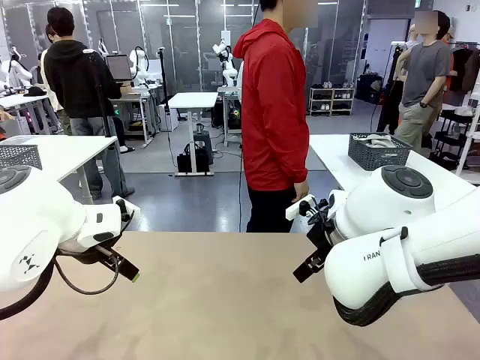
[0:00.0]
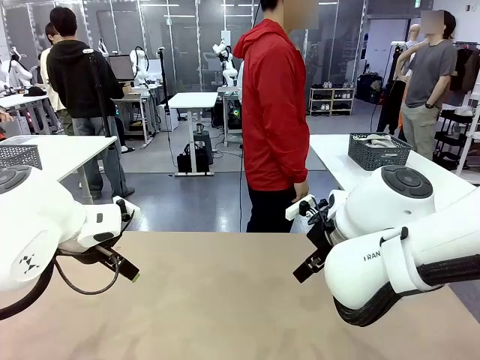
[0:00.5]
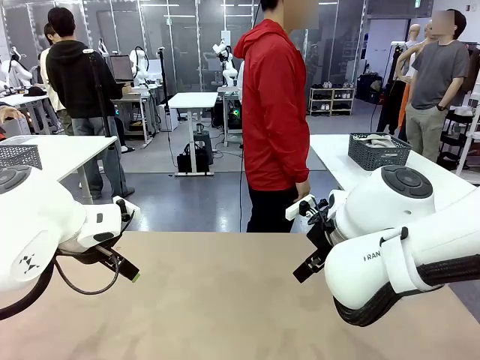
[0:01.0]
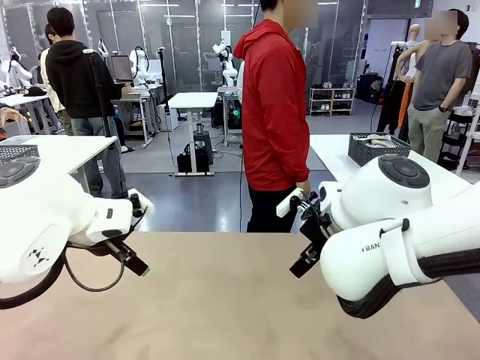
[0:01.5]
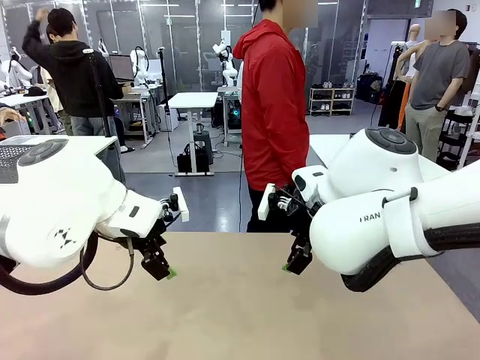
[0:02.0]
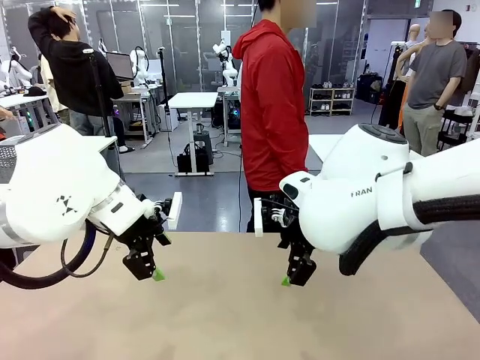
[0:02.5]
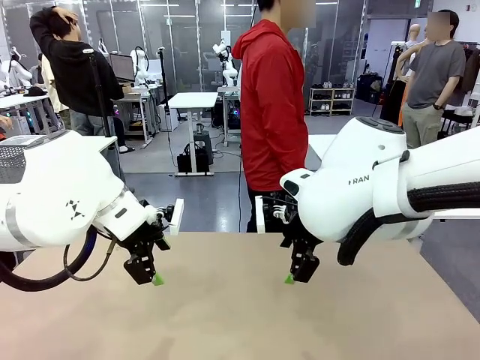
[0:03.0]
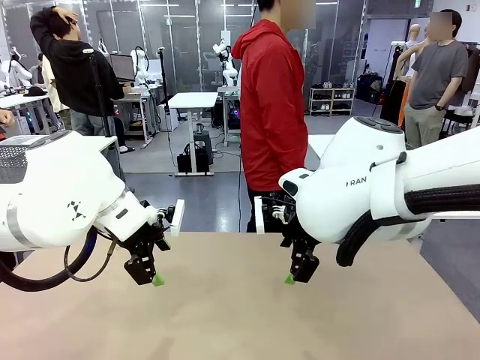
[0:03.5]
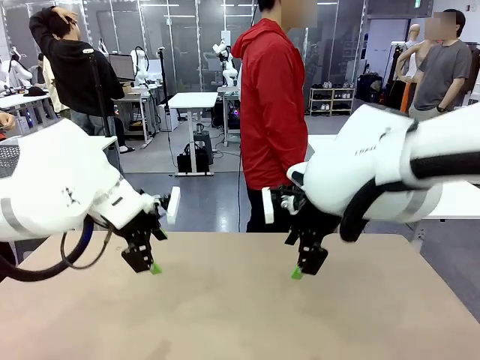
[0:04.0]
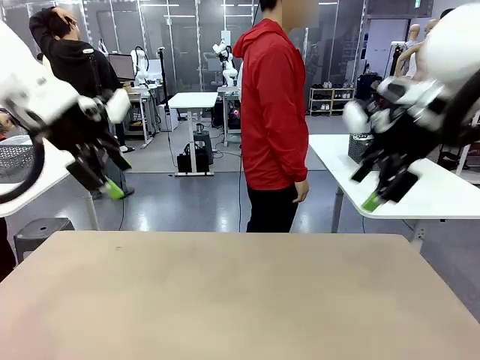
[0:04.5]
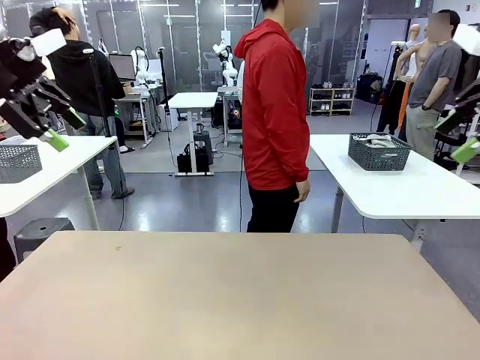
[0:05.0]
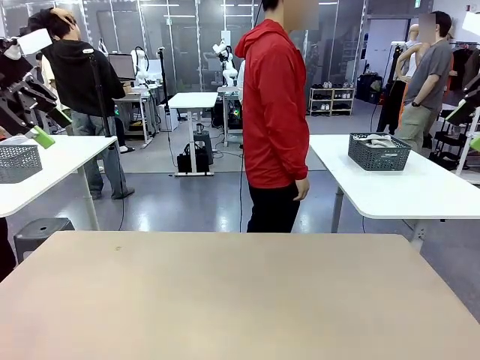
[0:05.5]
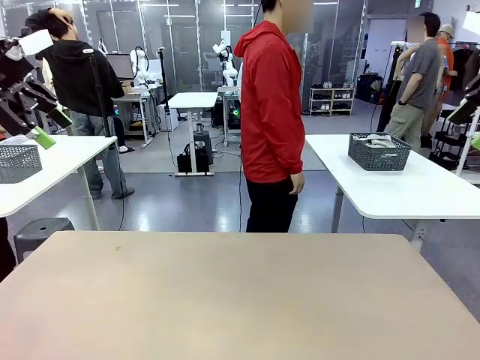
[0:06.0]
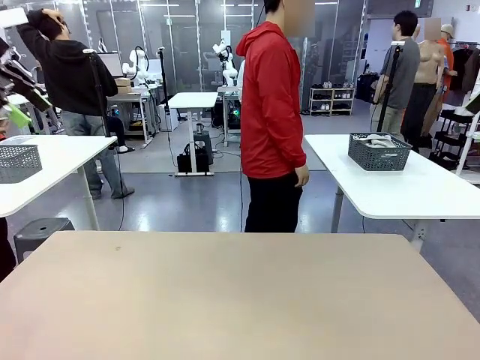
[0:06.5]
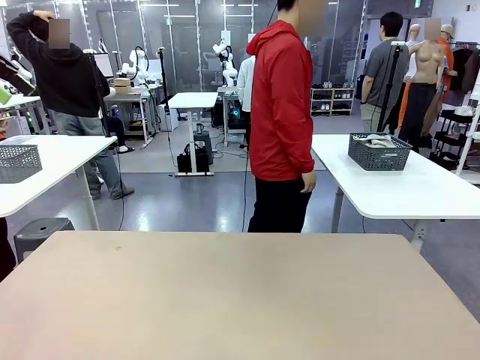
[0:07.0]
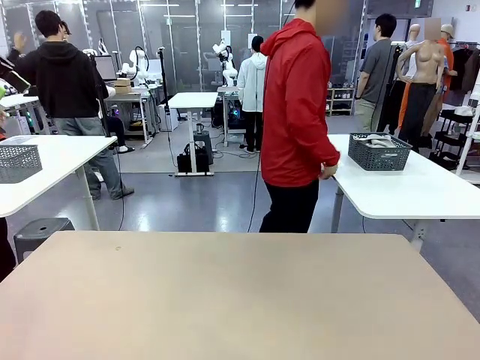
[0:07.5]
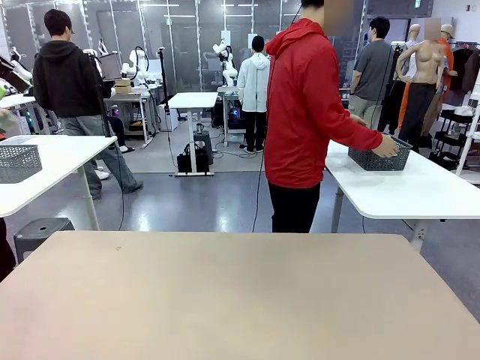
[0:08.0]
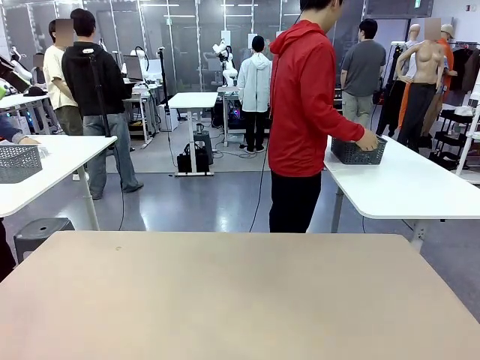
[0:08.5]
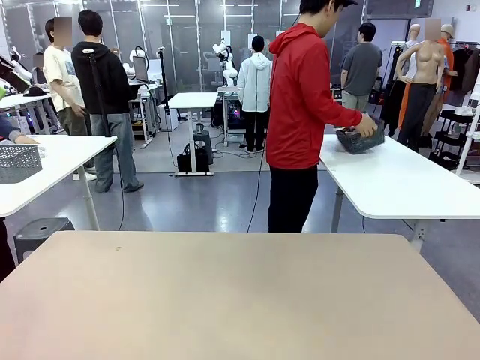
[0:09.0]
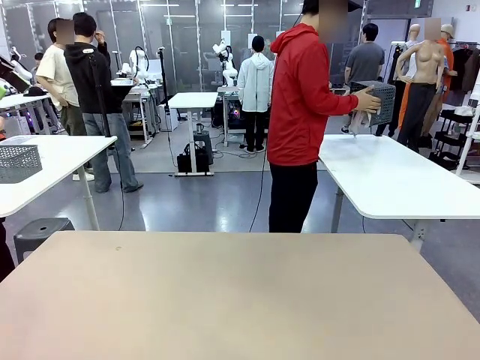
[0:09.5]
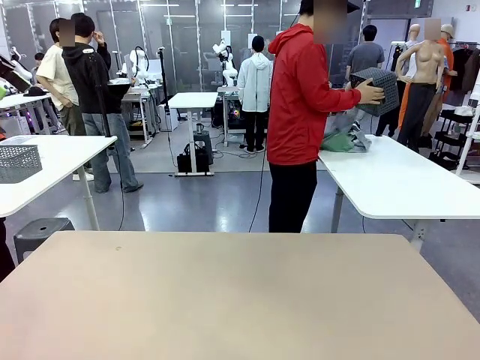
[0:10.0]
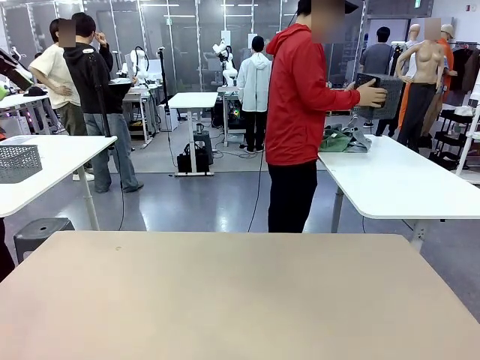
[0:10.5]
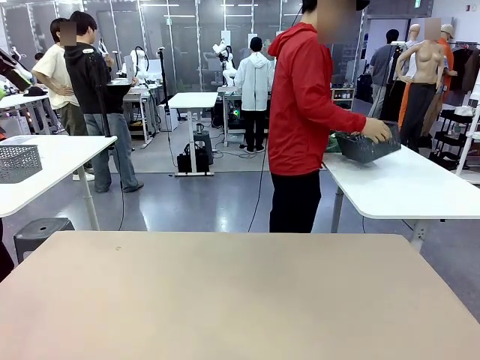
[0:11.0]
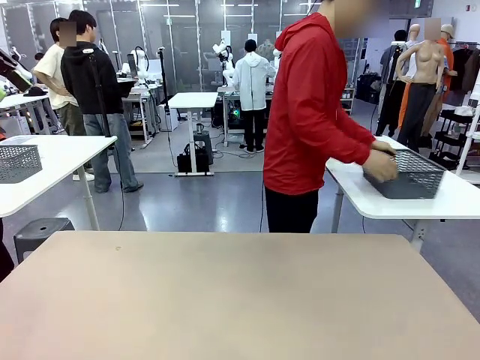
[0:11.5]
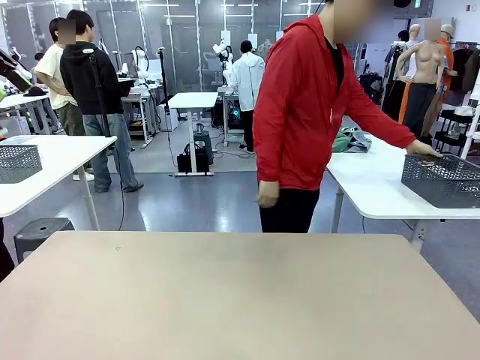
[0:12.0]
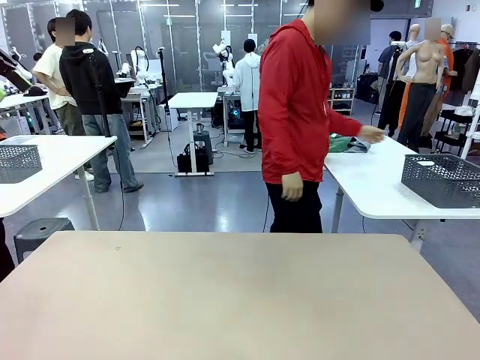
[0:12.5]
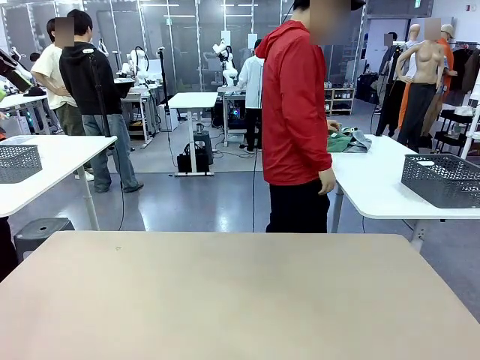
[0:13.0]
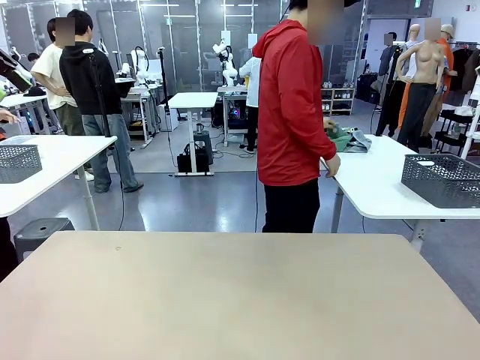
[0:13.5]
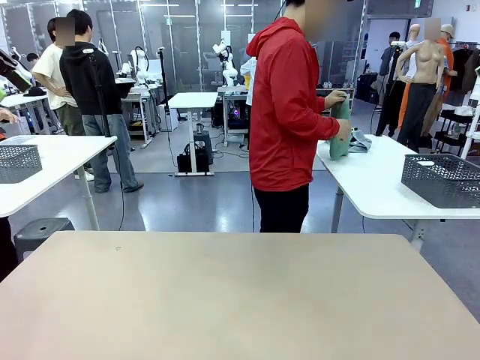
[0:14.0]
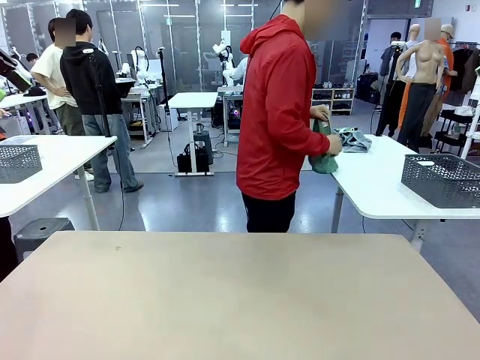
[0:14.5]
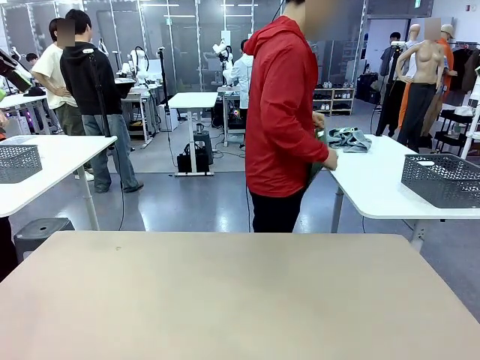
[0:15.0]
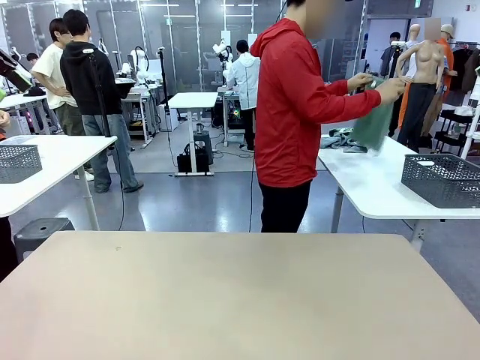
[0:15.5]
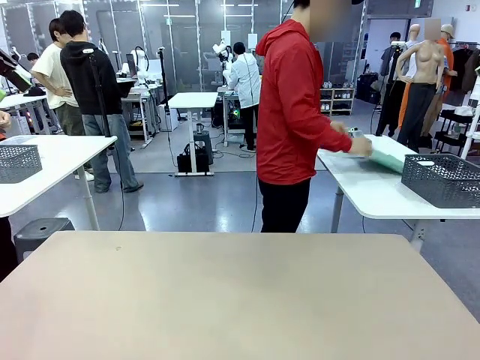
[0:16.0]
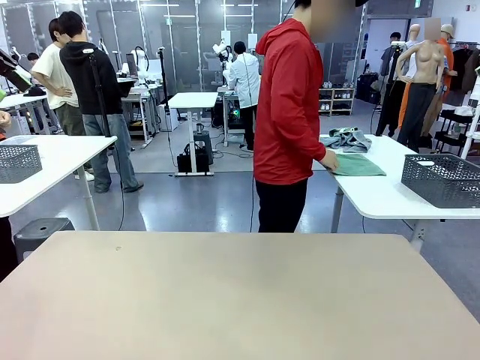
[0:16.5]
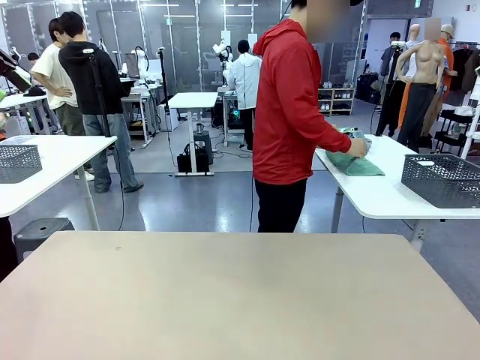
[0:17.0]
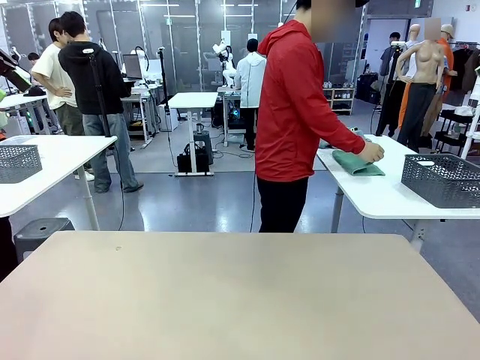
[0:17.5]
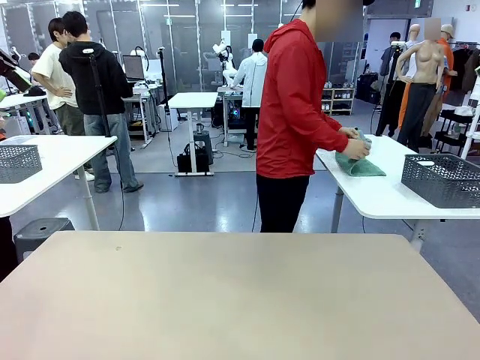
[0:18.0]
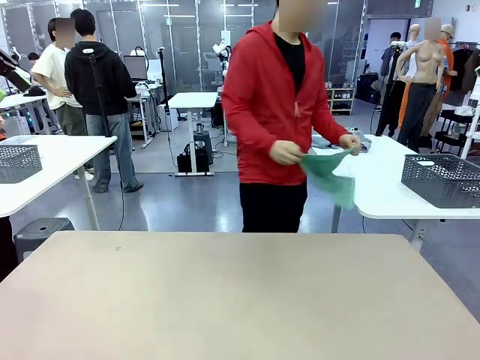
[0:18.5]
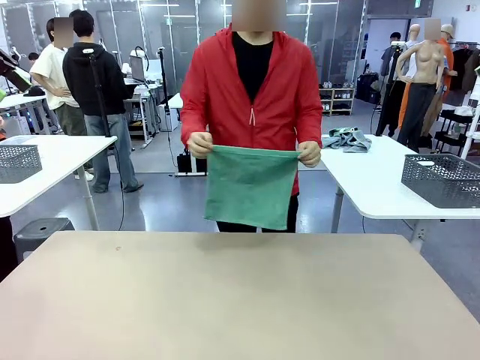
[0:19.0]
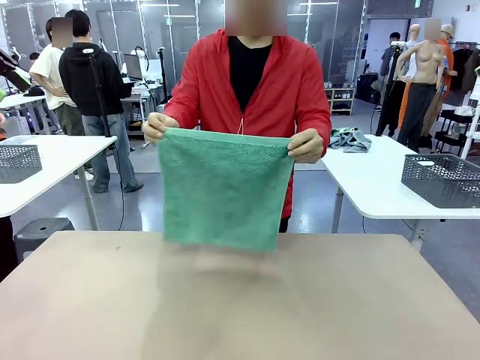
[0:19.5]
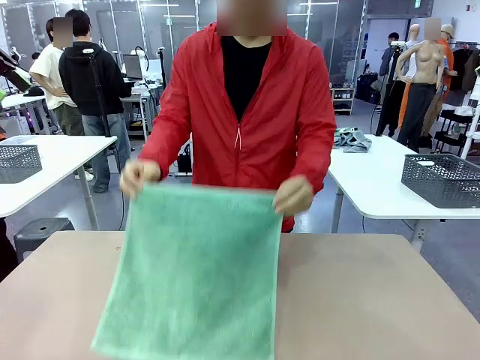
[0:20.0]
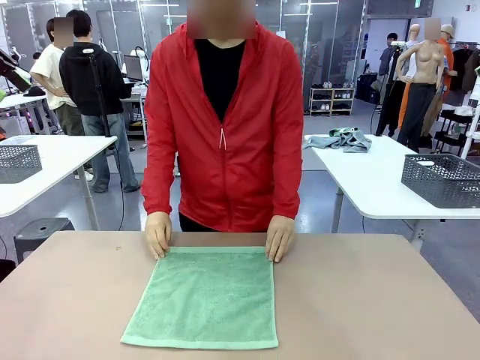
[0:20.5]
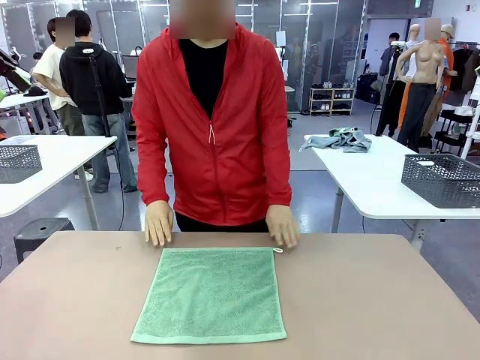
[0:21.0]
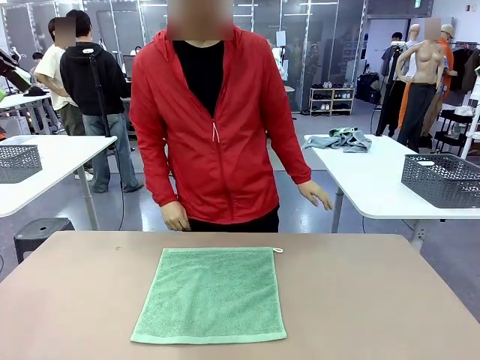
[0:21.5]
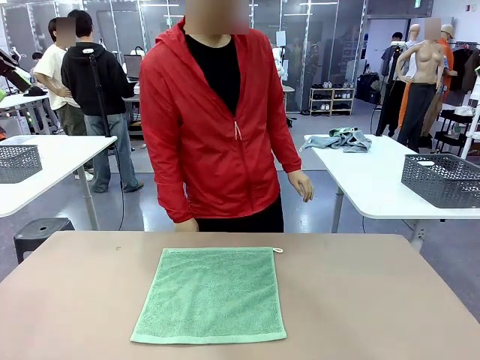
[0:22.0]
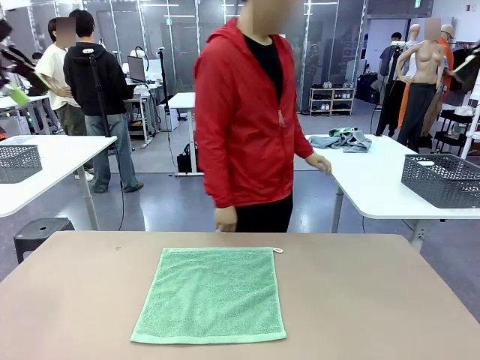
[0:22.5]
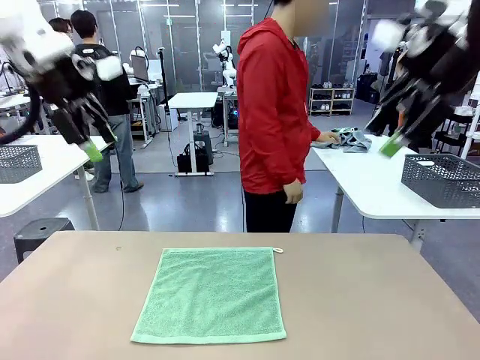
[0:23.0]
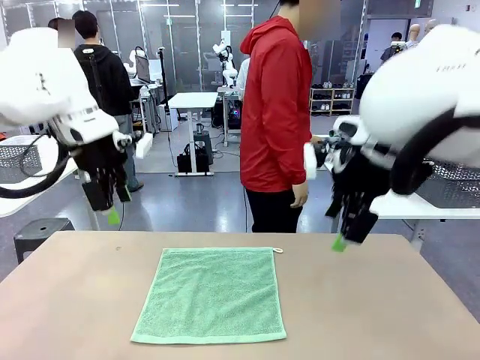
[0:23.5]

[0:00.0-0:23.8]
Task: Fold the towels and place them in the basket.
Robot: When a person lays out a Towel with hook on the table, fold it in half twice.
Person: Pick up the basket, pour the towels onto the left side of the human table, and place the basket on the right side. Pick up one towel and spread it out at the center of the robot table.
